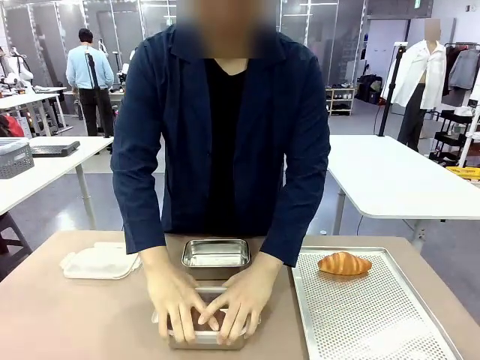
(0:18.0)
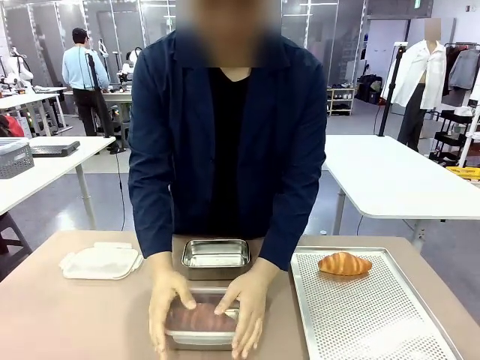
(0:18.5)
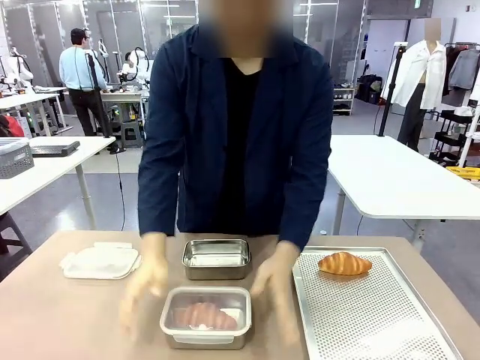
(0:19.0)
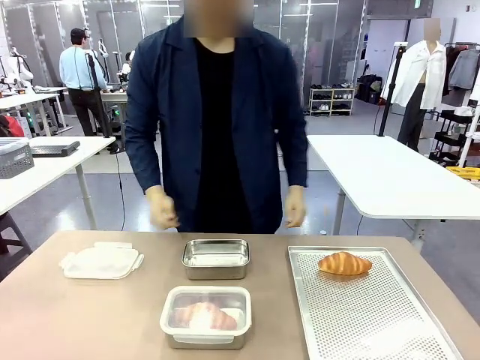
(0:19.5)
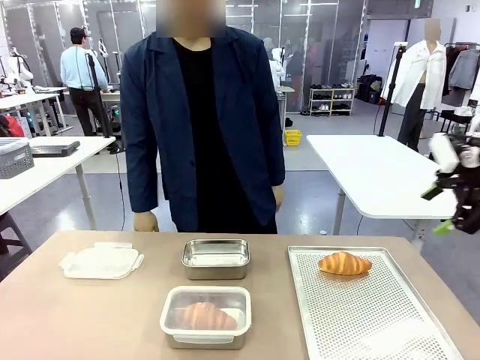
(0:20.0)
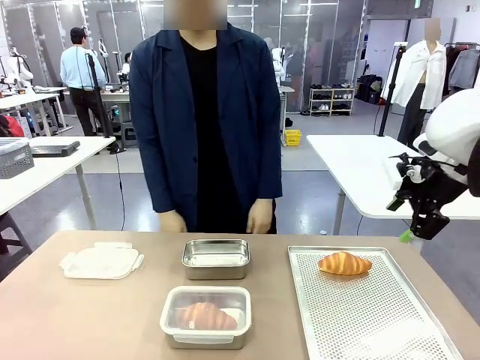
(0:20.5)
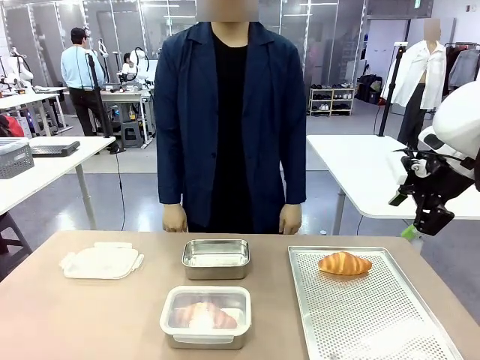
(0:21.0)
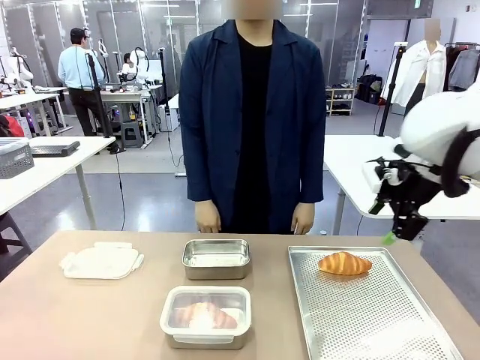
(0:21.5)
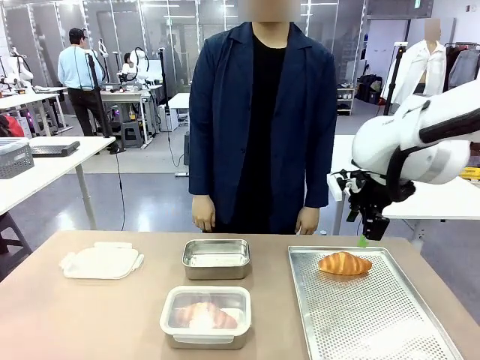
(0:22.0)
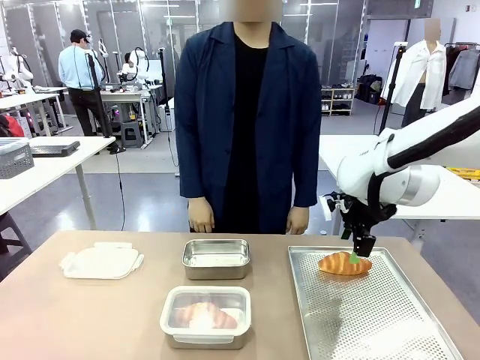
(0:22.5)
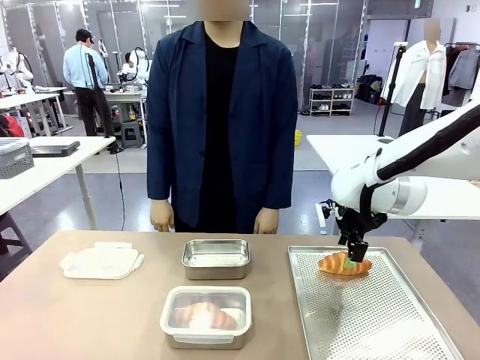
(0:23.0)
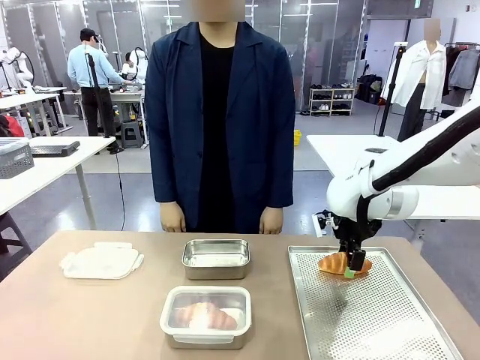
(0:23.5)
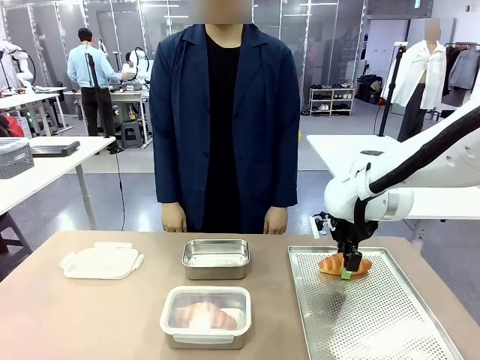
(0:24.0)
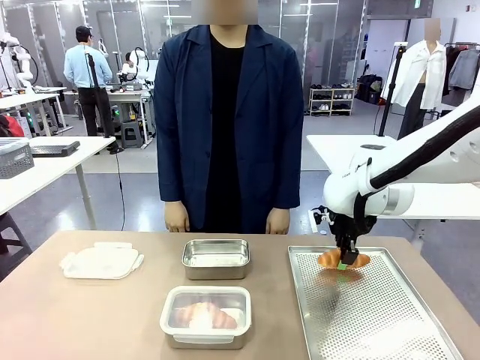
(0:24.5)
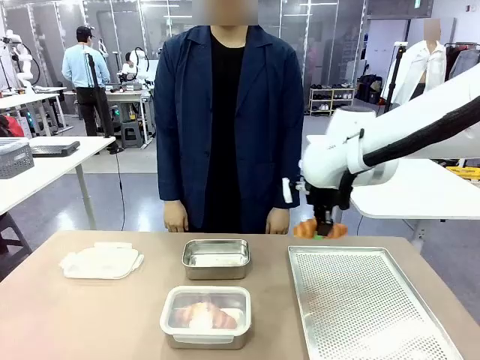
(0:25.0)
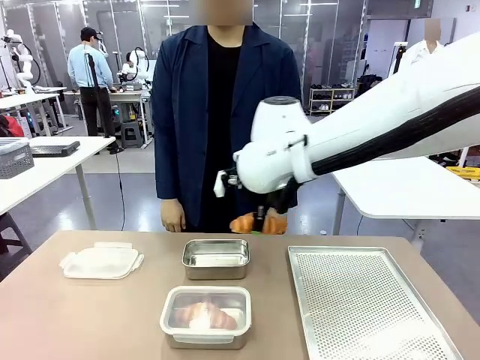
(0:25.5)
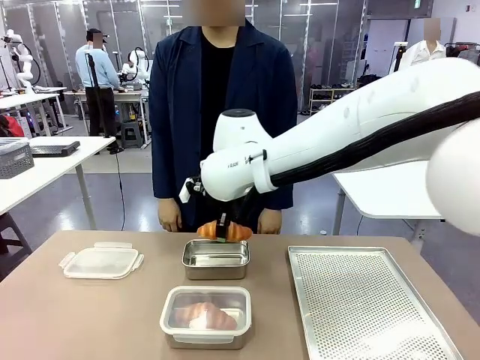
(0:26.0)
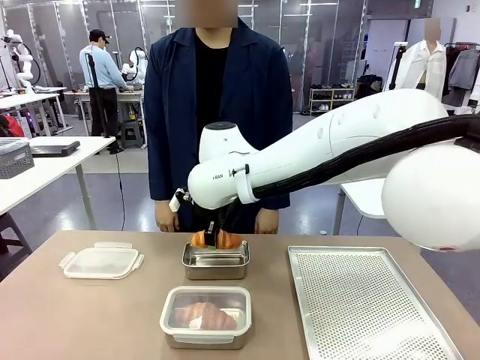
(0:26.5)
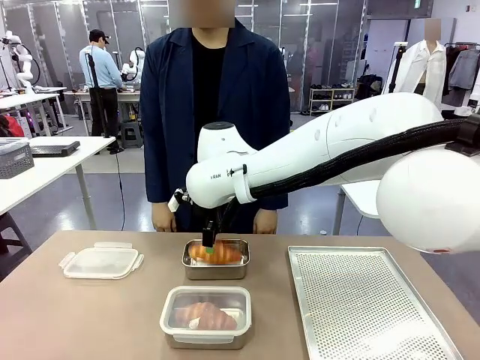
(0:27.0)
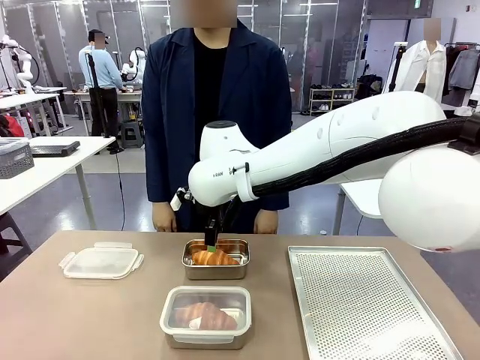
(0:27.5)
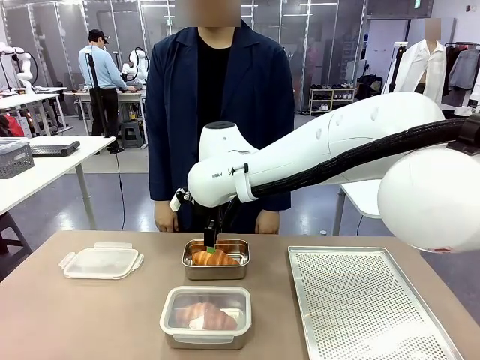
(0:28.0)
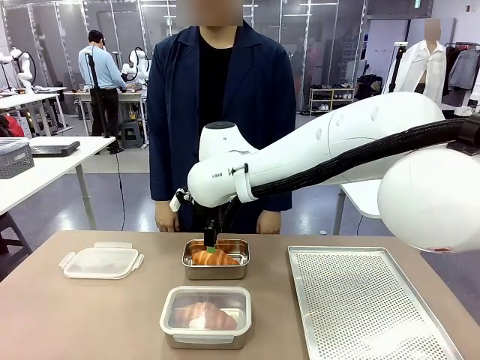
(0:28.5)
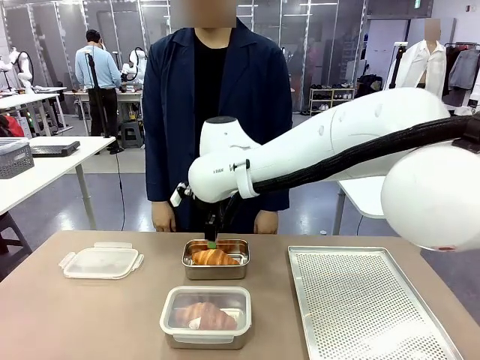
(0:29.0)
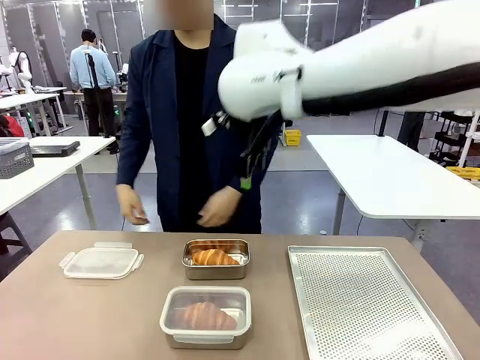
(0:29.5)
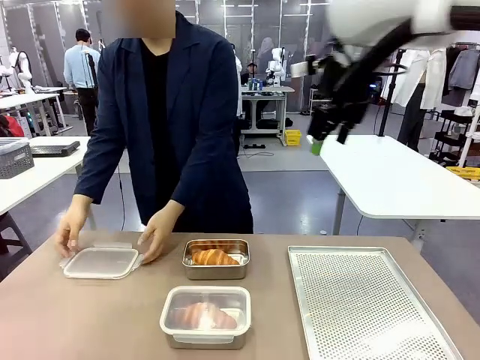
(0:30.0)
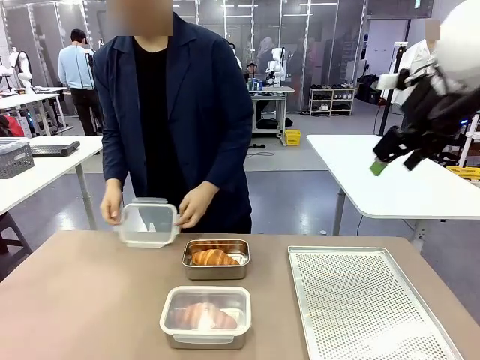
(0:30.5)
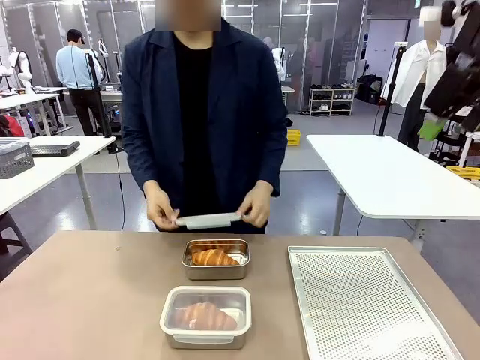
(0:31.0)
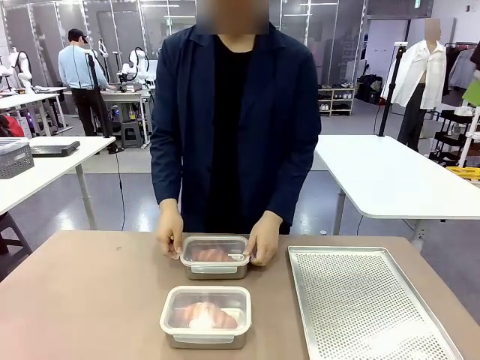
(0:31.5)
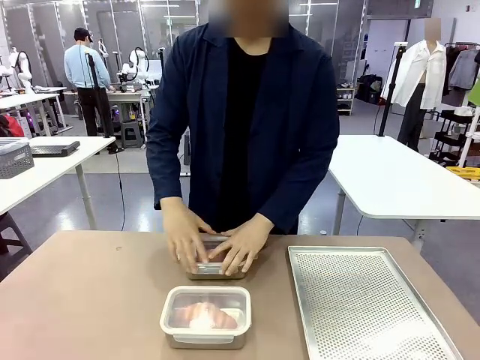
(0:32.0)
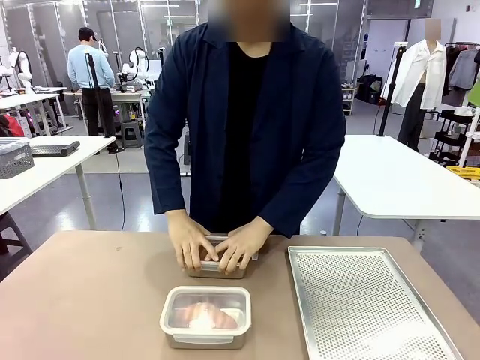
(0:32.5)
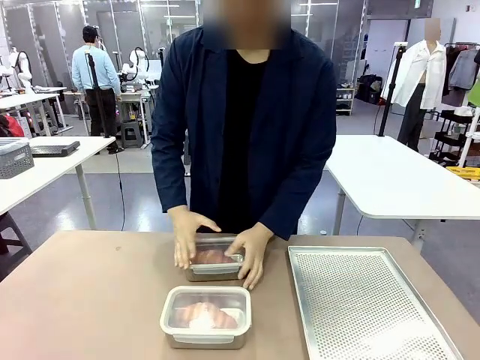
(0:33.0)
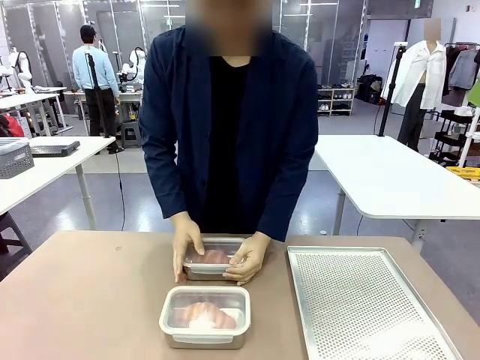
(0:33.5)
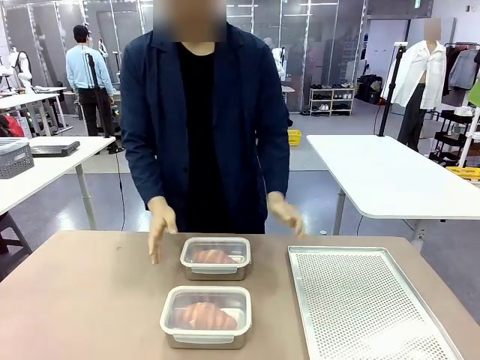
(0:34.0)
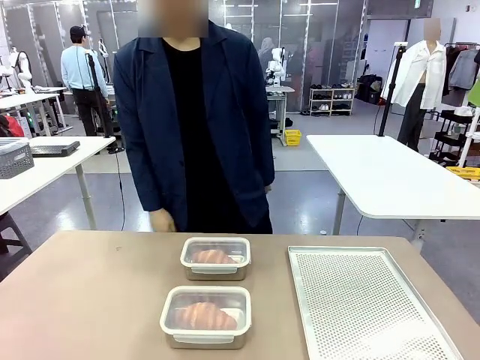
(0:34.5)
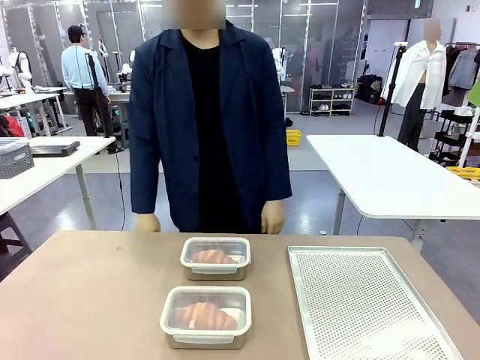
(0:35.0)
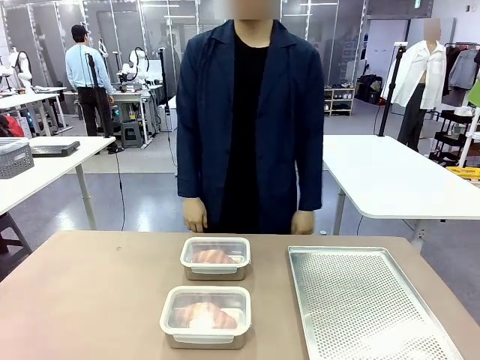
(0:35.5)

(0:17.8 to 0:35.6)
Task: Place the bread into the airtight container.
Robot: Pick up a Butter Roll and place it into an empty Airtight Container.

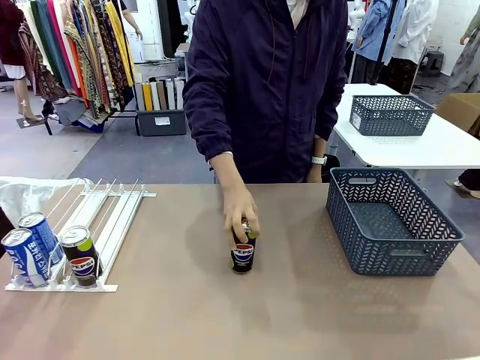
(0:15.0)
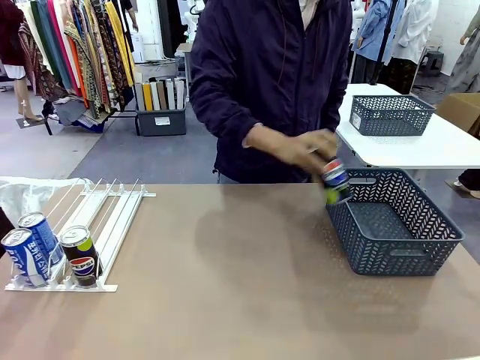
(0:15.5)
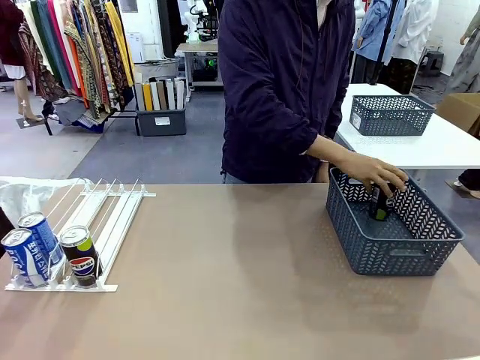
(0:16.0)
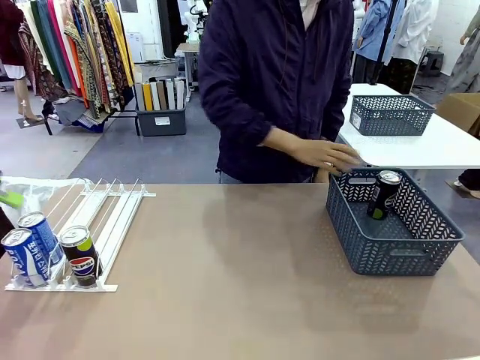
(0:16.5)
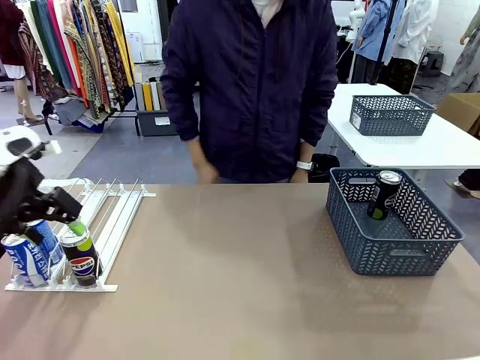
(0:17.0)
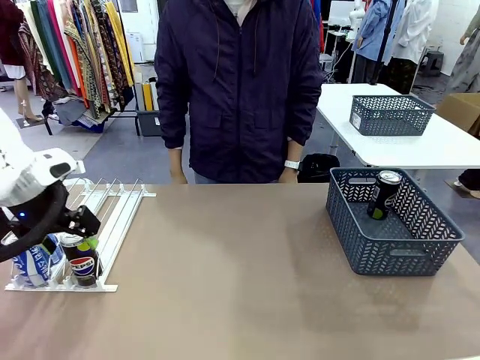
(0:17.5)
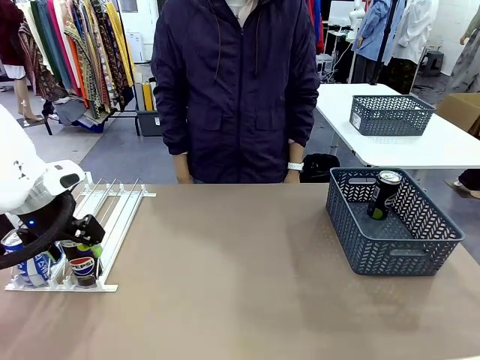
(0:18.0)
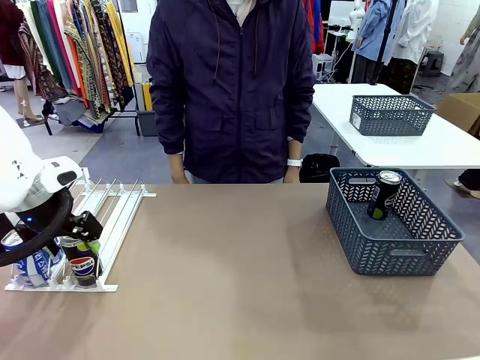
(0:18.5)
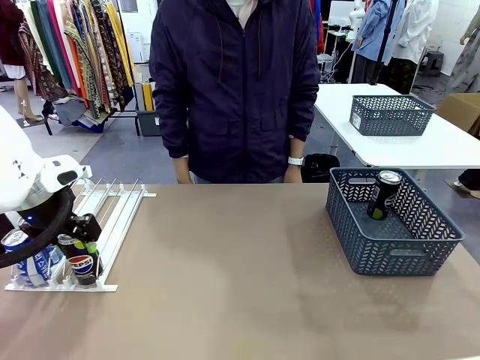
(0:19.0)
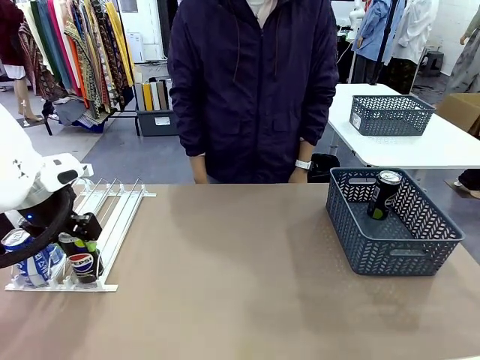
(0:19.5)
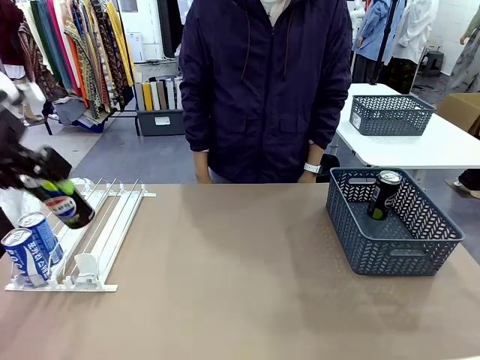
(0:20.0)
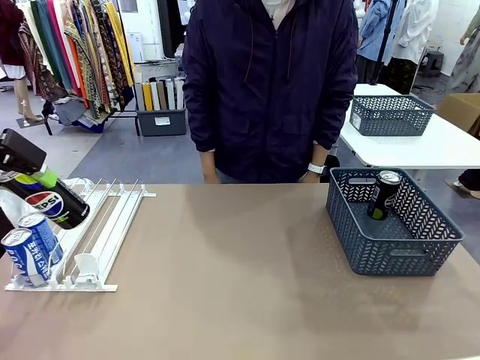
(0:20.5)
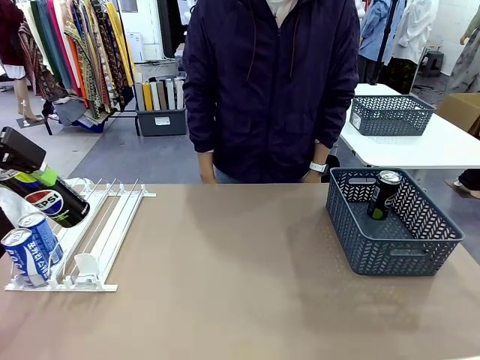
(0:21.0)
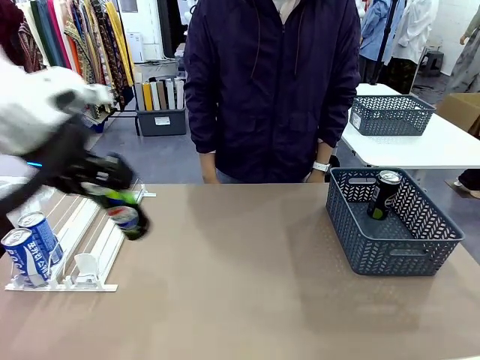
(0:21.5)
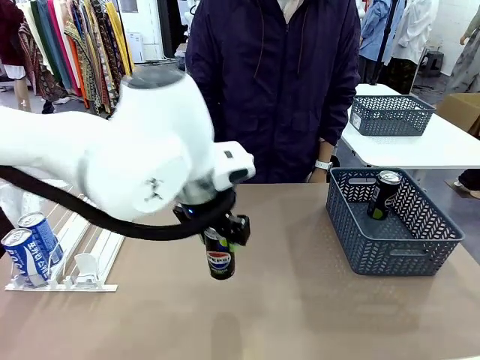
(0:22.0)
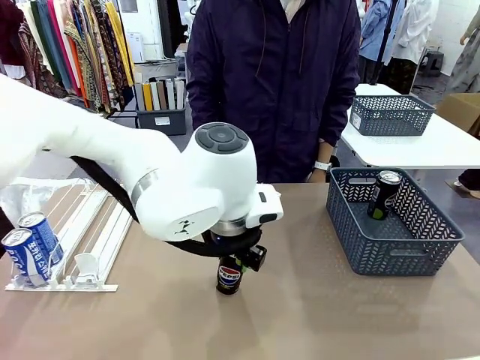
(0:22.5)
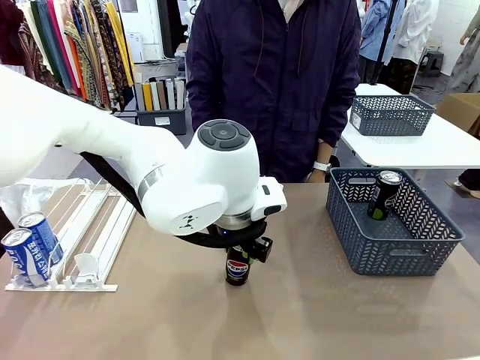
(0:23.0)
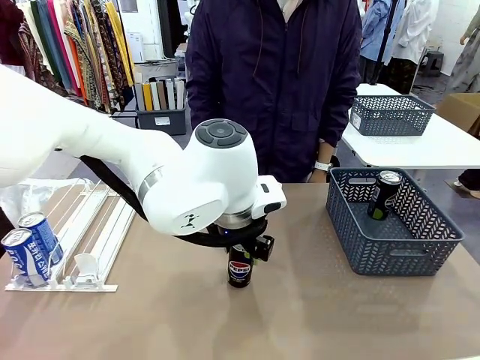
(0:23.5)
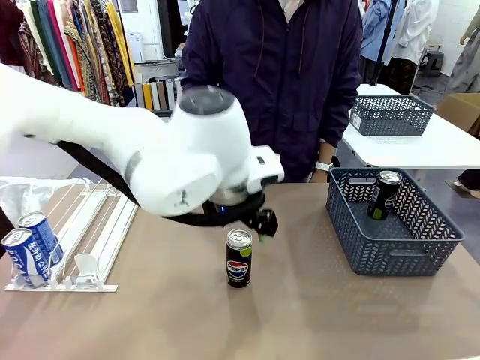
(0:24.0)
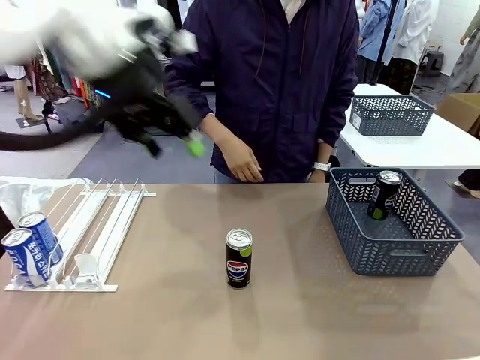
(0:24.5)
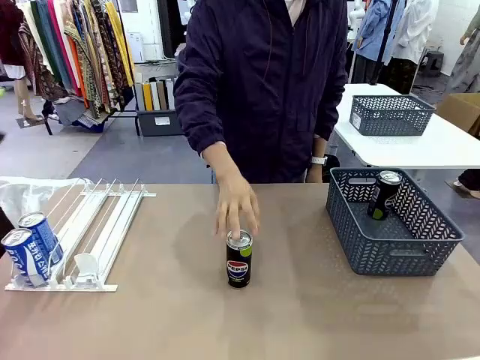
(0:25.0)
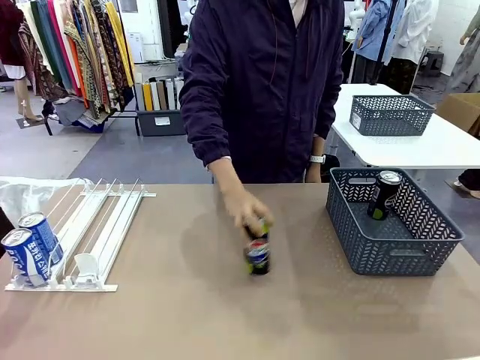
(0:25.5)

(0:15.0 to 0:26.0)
Task: Retrieve and store the cans from the dispenser.
Robot: Pick up the last remaining can from one row of the Automatic Can Dispenser and place it in the middle of the table.
Person: Pick up one Pepsi can from the middle of the robot table and place it in the basket.
